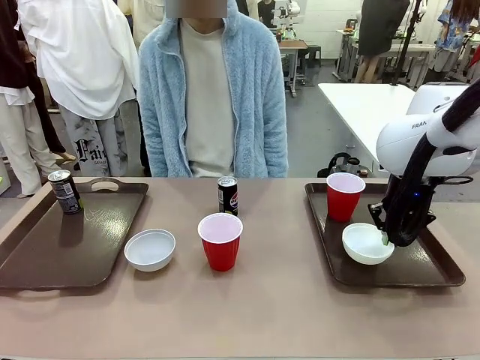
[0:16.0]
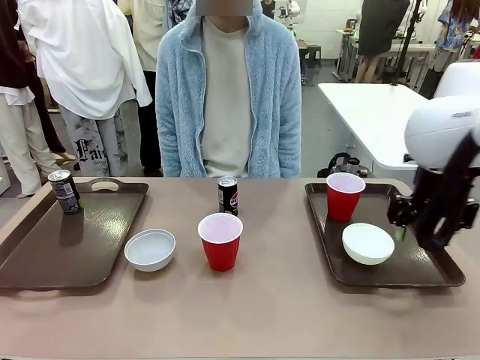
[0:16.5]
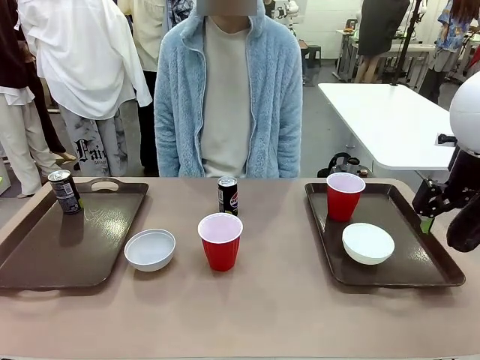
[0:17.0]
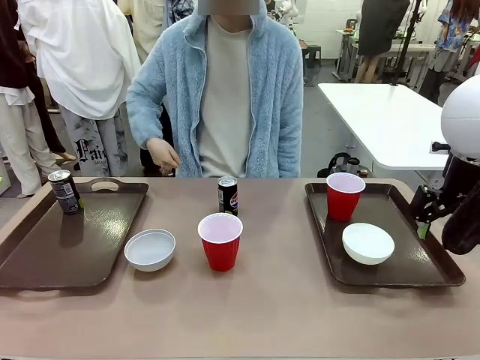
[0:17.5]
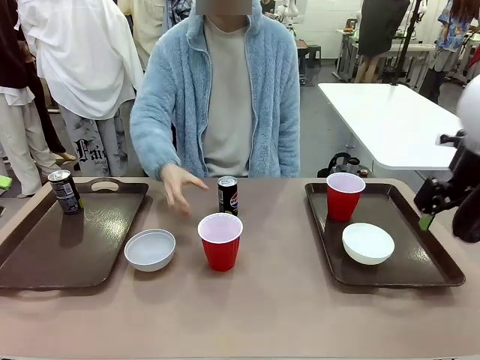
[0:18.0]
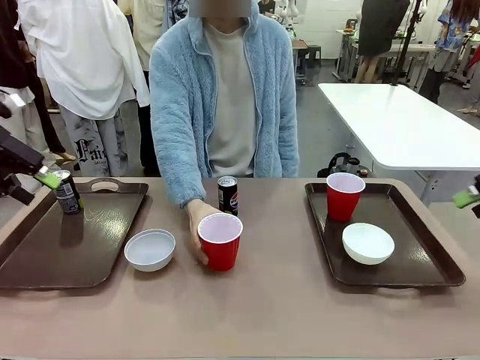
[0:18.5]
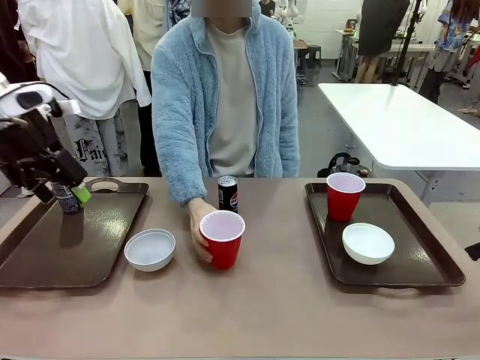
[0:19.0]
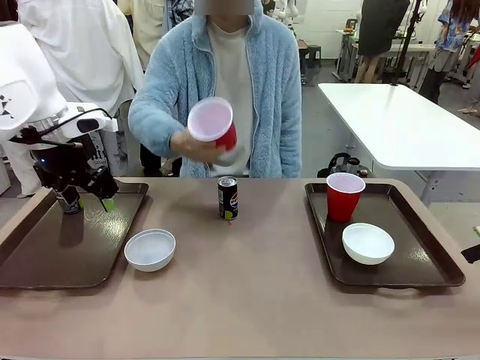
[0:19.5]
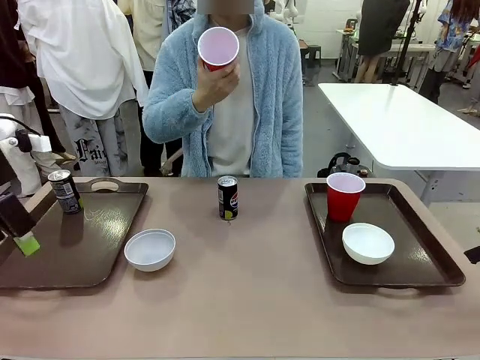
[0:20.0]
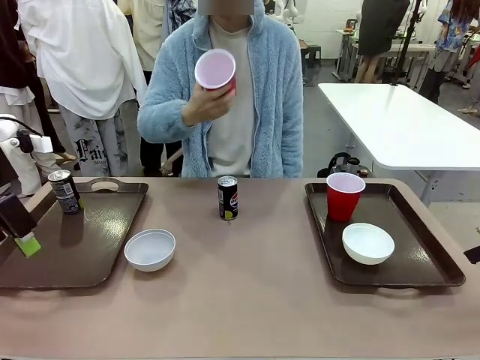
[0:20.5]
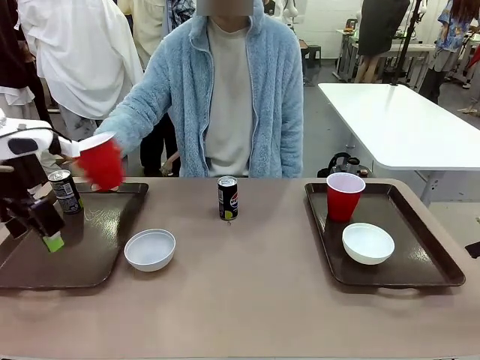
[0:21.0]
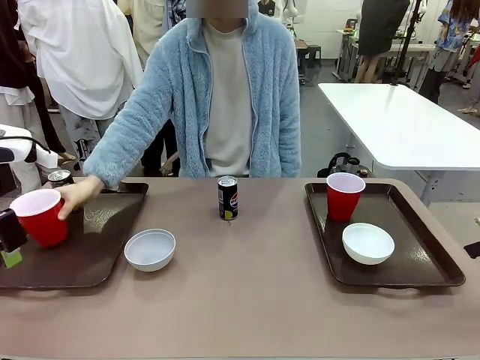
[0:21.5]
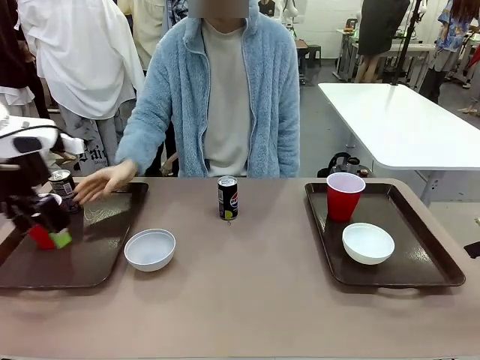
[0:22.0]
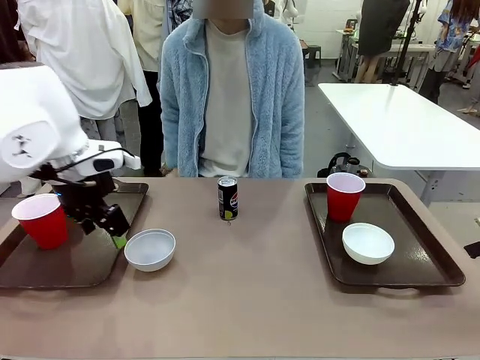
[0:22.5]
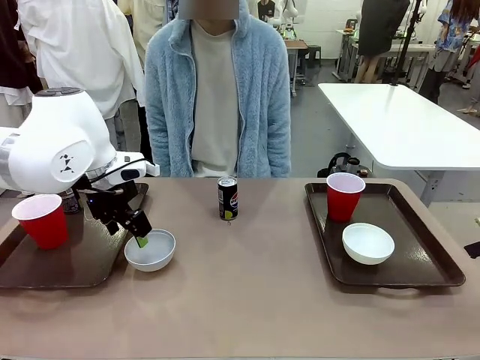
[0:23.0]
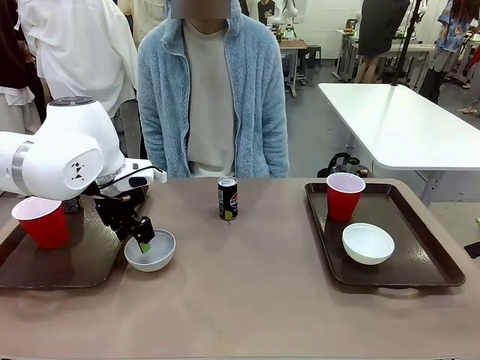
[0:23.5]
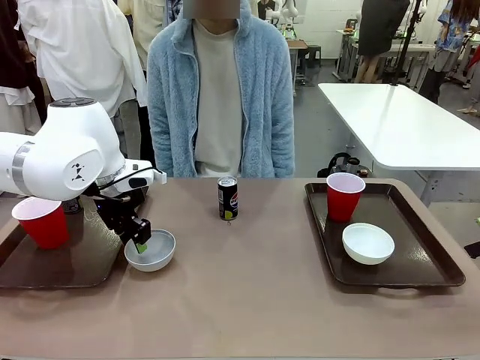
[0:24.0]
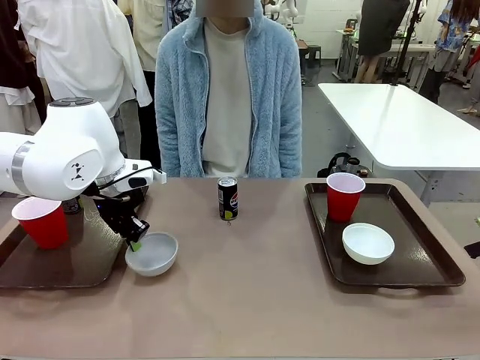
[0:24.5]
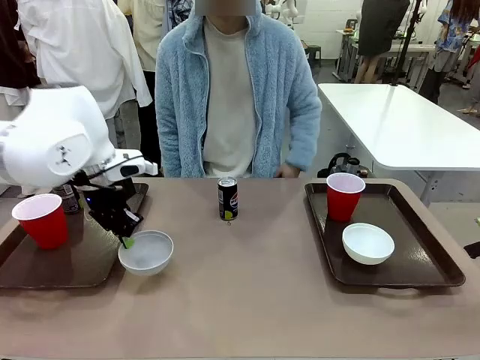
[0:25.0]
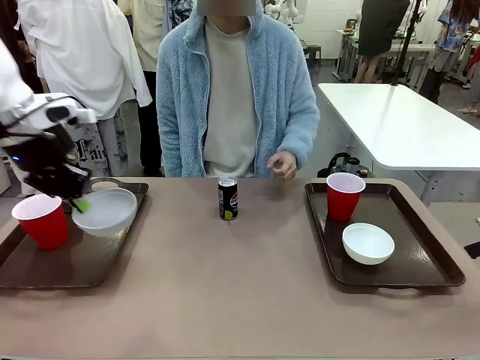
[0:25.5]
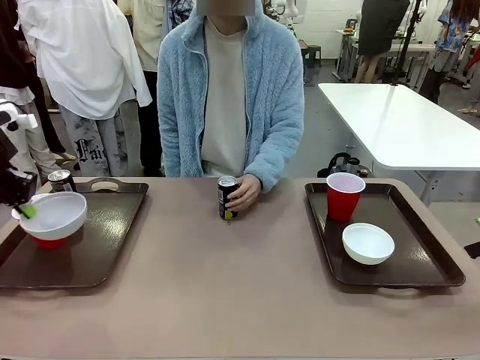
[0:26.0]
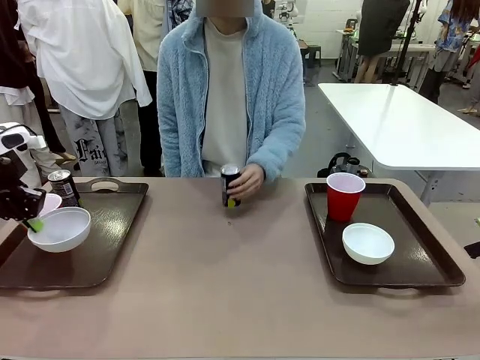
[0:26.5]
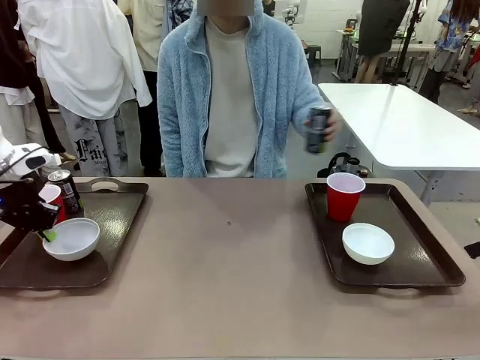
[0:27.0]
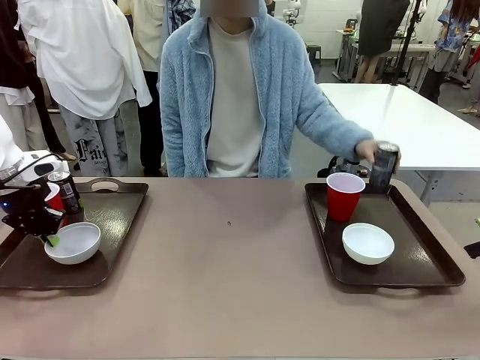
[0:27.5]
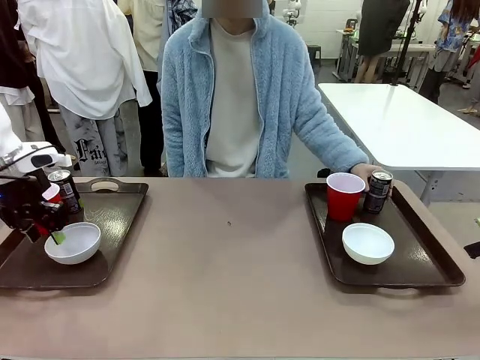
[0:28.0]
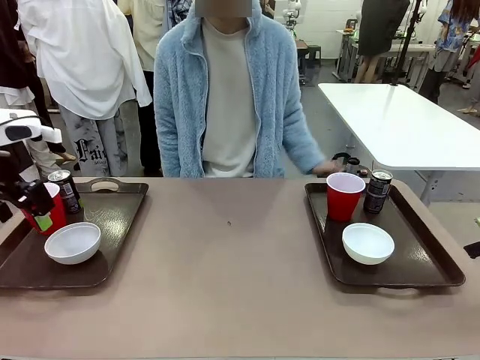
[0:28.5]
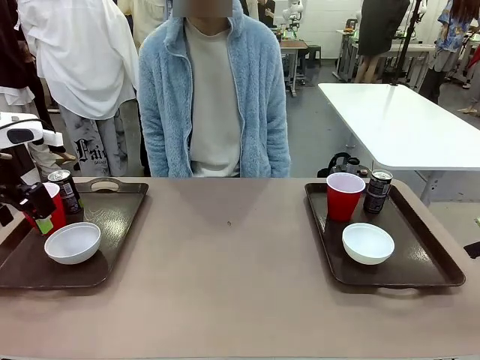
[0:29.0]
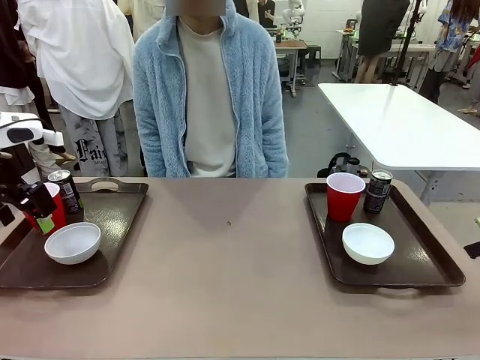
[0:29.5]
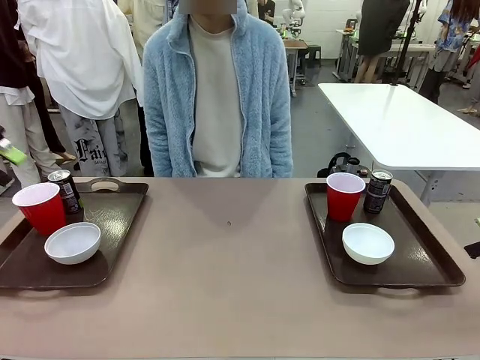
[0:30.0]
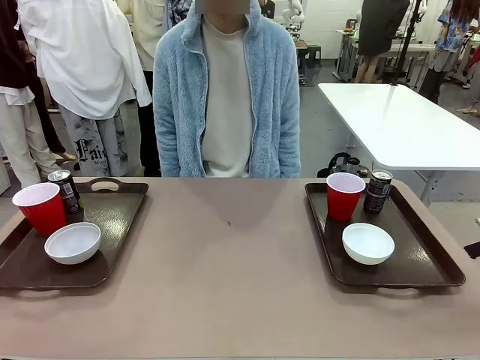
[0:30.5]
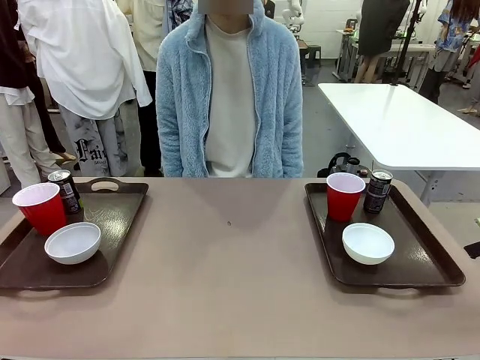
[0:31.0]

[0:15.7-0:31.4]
Task: Prepare tableware on both trays.
Robot: Pick up a Picnic Bowl from the table and place it on a Handle tray.
Person: Pick up a can or cup and place it on the tray without a can or cup.
